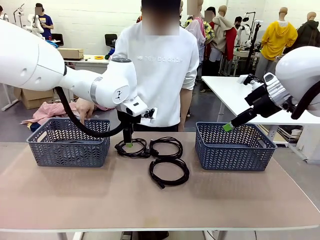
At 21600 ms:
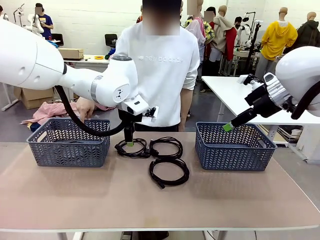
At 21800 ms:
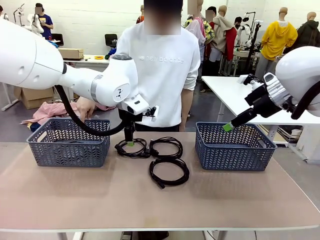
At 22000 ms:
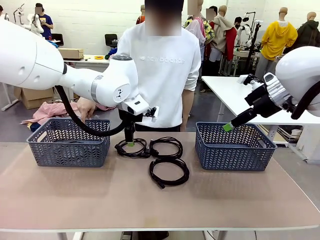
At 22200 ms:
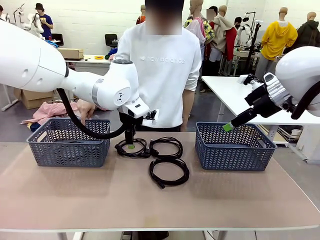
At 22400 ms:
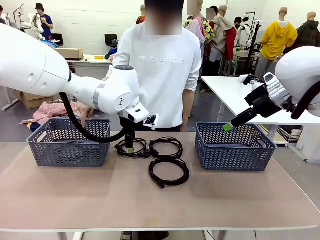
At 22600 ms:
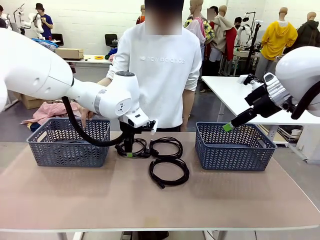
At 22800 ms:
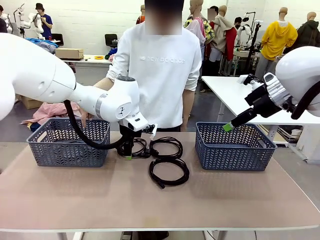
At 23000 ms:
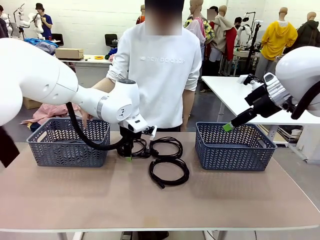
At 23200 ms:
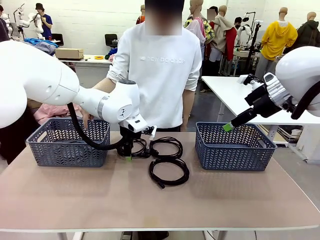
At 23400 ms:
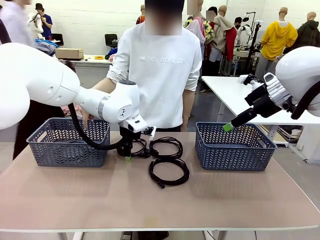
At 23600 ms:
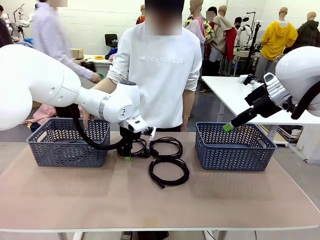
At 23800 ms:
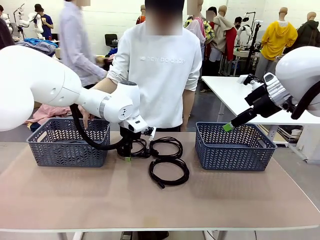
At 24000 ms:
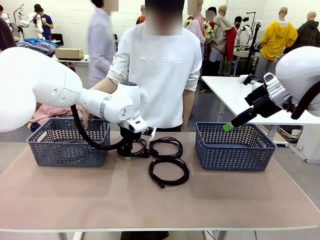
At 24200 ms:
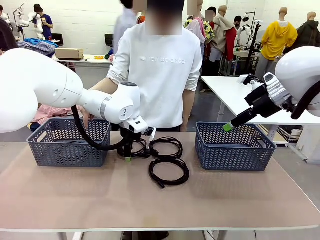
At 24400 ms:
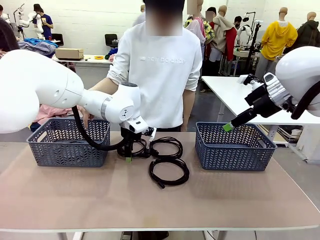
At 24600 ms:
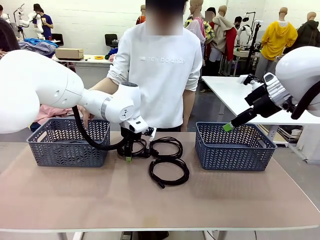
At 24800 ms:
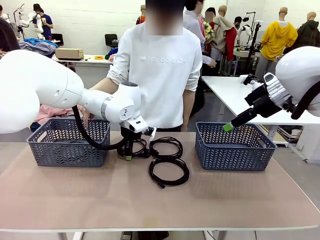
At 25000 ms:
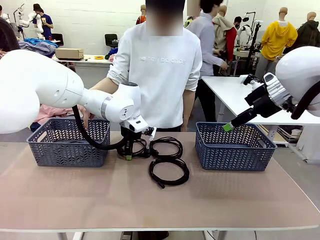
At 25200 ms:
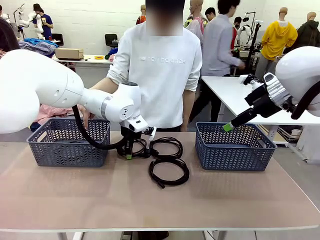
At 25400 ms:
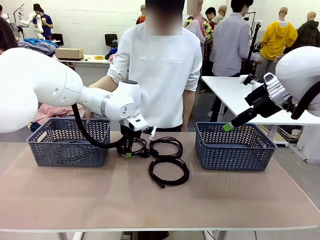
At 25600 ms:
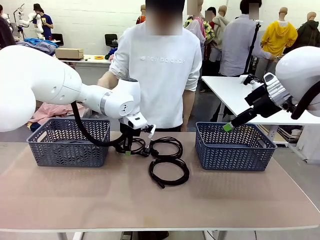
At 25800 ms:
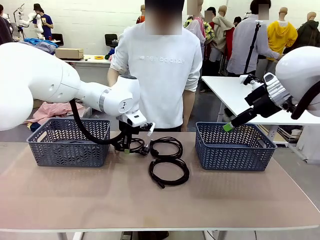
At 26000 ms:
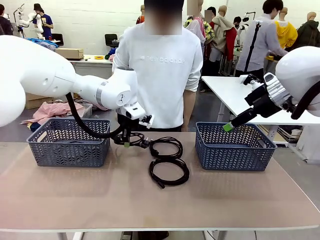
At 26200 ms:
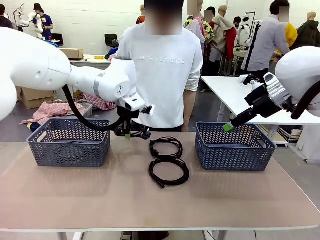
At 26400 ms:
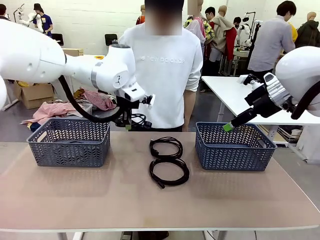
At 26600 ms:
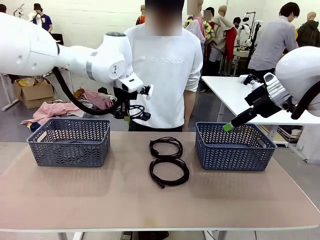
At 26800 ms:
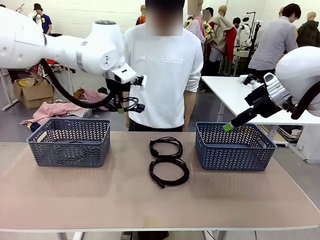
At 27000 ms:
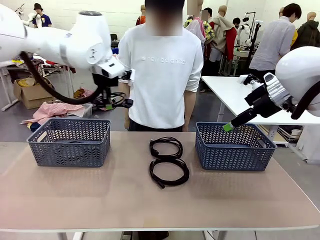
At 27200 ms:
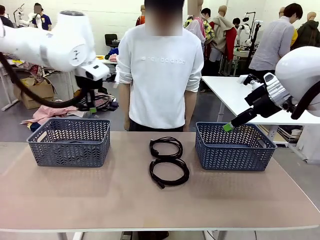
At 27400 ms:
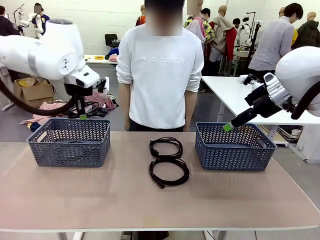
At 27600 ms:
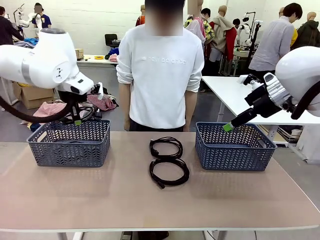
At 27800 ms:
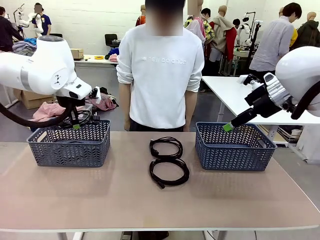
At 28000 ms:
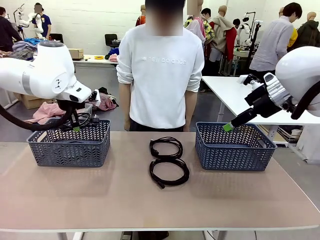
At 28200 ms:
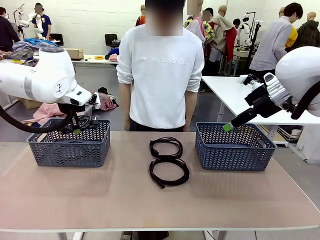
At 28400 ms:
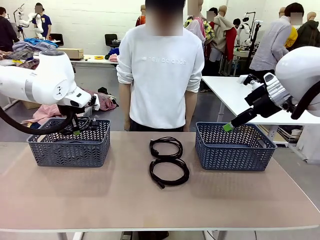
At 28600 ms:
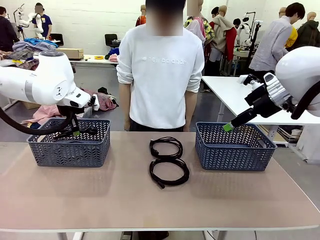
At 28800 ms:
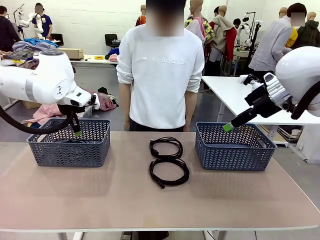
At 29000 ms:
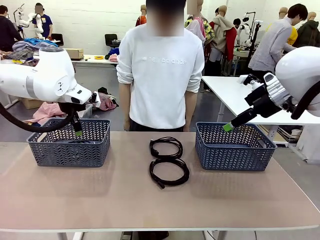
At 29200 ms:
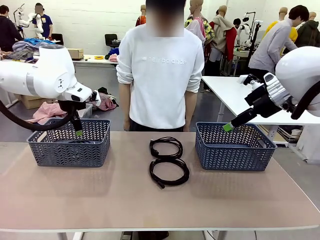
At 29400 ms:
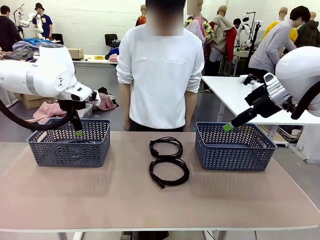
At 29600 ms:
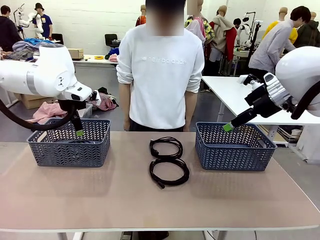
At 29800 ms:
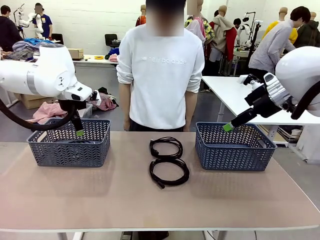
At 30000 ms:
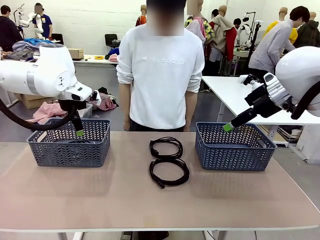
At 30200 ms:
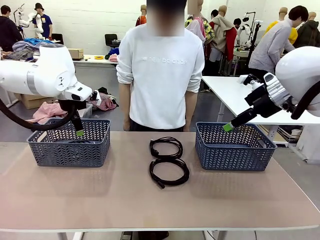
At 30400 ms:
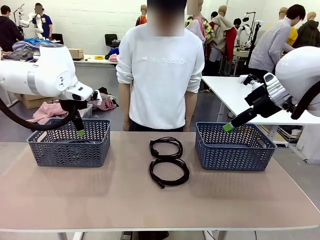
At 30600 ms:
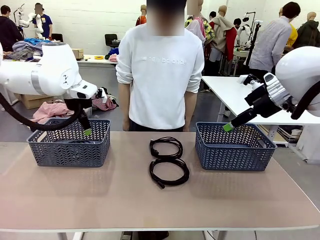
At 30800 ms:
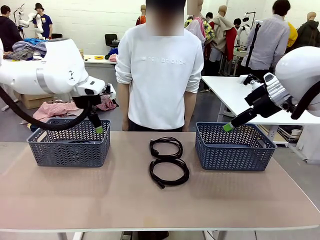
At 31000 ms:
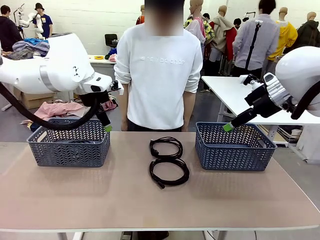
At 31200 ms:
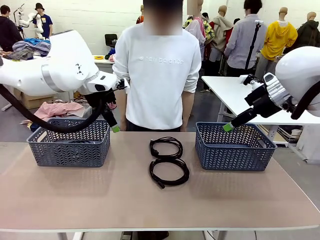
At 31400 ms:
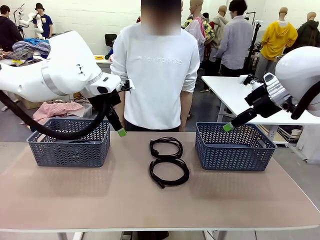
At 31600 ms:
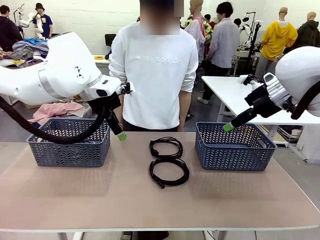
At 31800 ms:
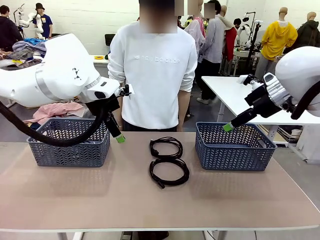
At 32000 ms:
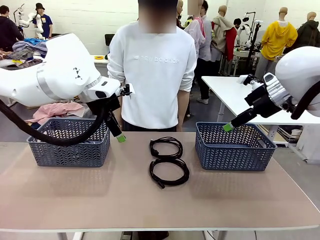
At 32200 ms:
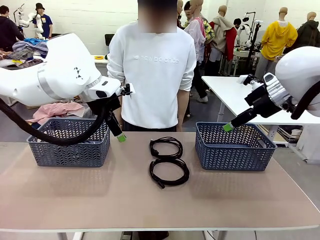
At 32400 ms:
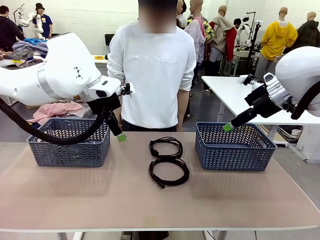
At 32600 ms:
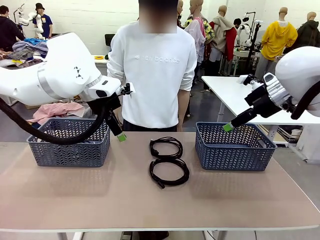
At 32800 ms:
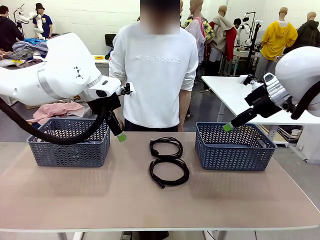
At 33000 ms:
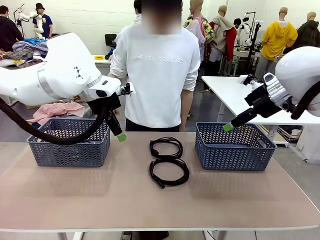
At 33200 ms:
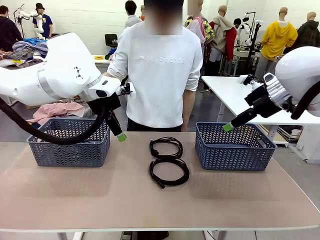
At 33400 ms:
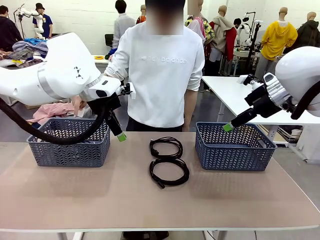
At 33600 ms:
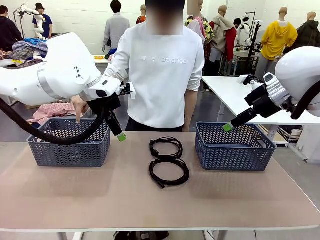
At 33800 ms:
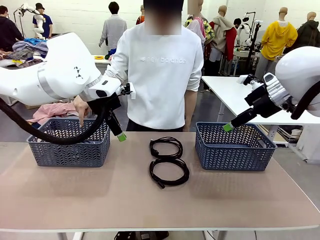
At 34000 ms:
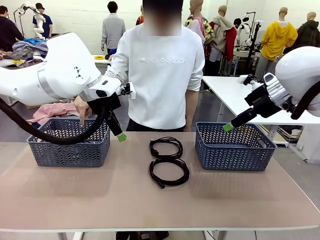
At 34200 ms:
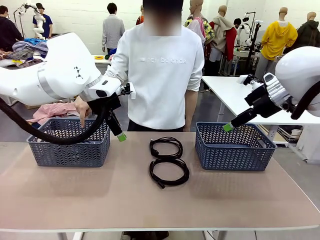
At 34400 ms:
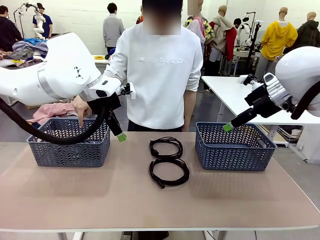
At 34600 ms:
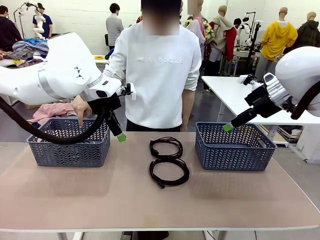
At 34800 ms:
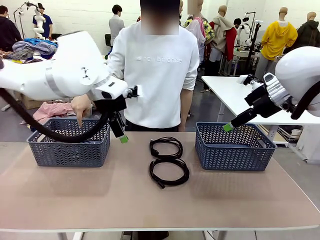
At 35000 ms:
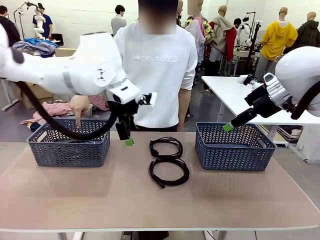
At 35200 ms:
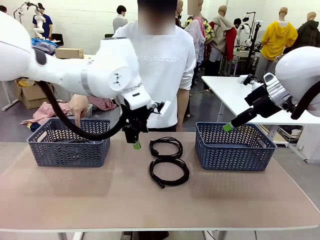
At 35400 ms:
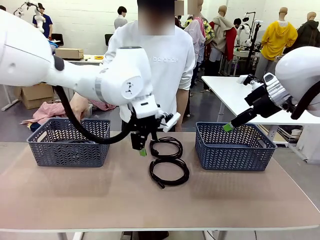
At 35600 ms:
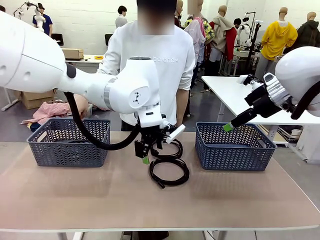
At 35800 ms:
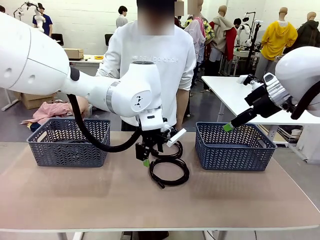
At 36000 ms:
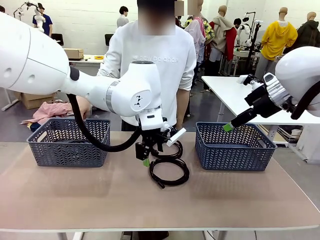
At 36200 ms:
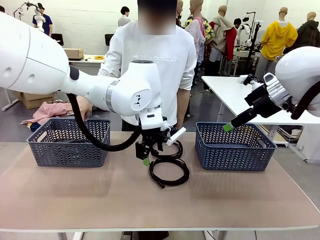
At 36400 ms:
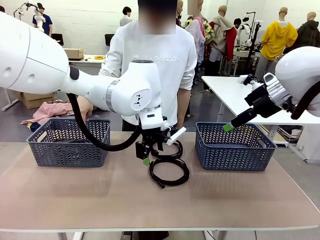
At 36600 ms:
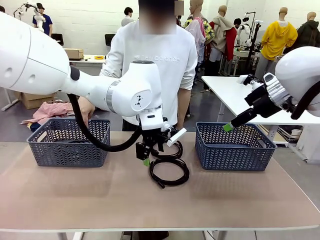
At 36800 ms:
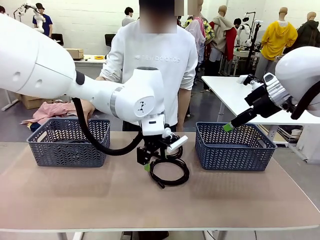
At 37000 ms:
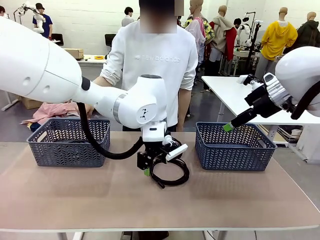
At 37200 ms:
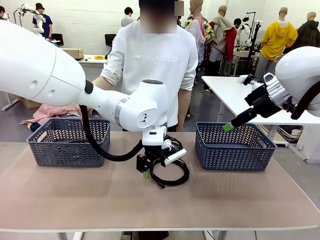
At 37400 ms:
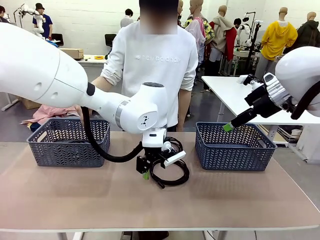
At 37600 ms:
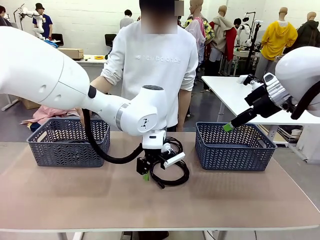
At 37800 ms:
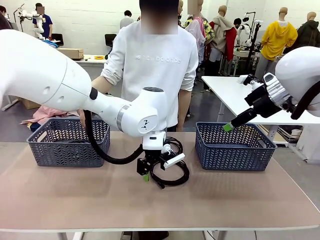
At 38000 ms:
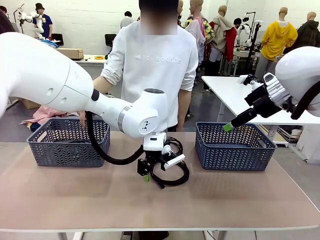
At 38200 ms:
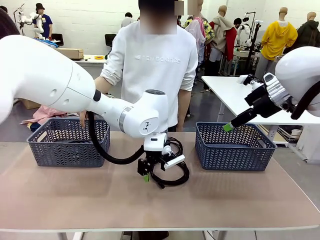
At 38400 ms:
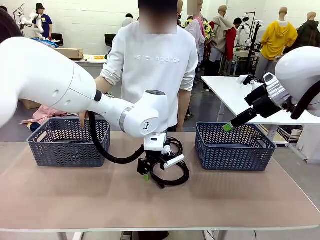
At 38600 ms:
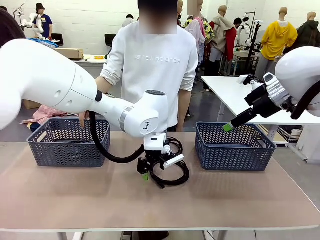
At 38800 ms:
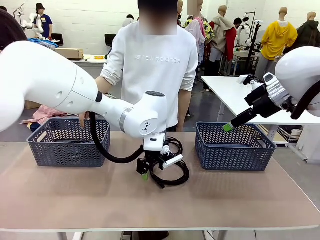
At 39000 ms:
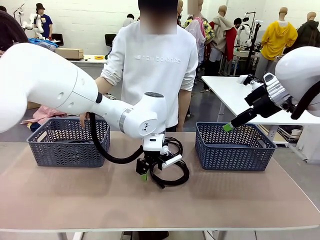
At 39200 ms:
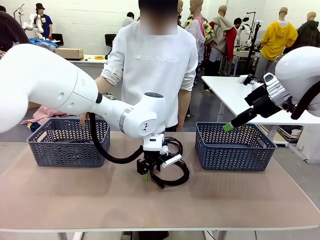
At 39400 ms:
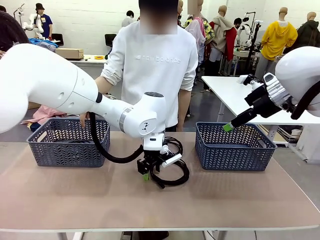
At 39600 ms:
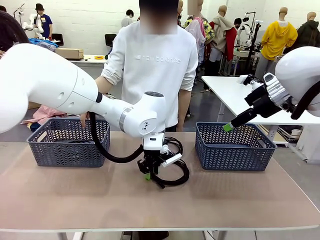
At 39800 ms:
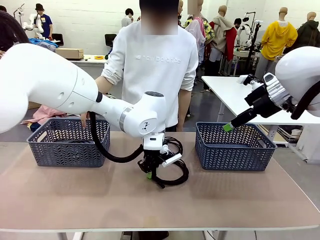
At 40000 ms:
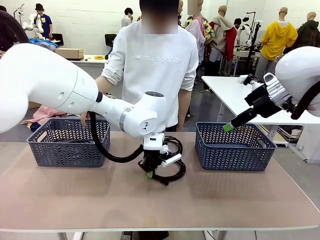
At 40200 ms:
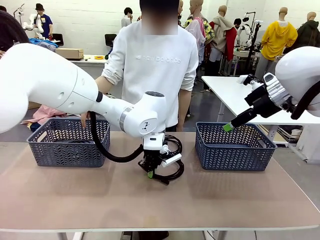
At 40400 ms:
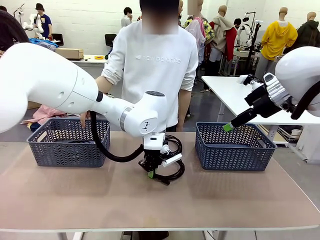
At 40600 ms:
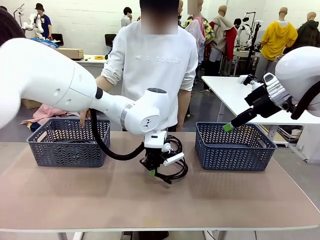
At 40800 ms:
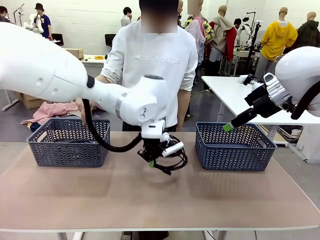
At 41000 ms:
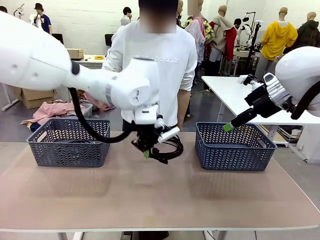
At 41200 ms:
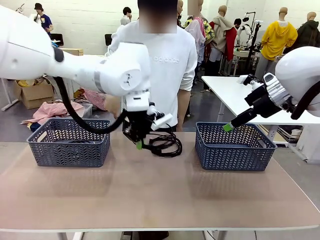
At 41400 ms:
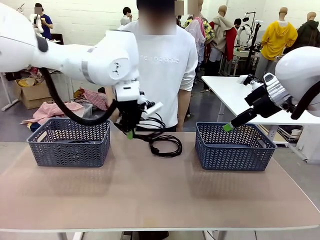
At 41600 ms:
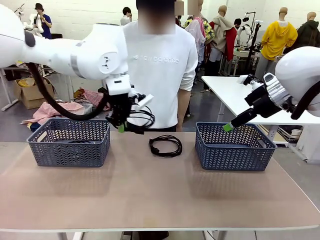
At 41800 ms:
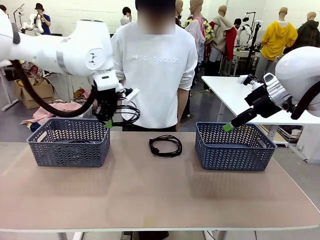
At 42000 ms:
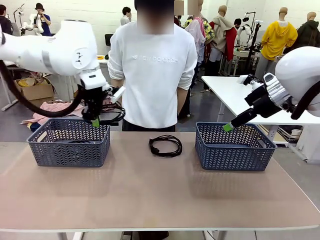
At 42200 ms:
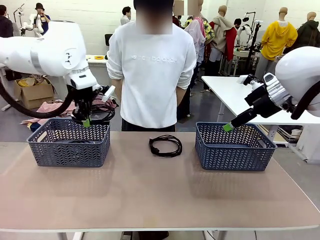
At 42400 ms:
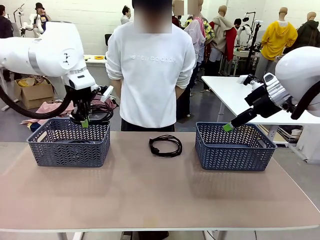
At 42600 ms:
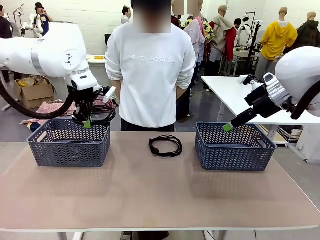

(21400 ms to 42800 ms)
Task: Organize the cables according to human instructions.
Robot: Pick up a bundle of cables and place it in the basket indicated by the human.
